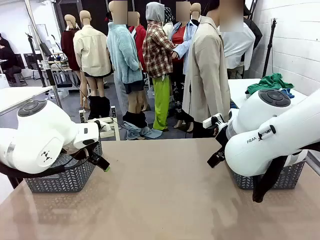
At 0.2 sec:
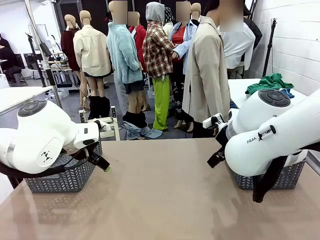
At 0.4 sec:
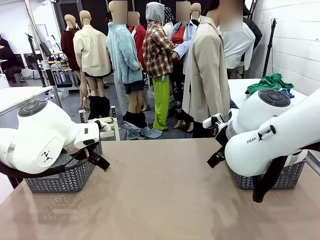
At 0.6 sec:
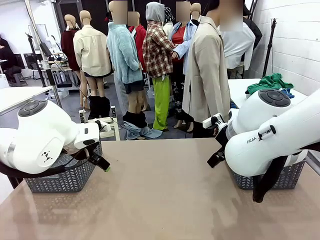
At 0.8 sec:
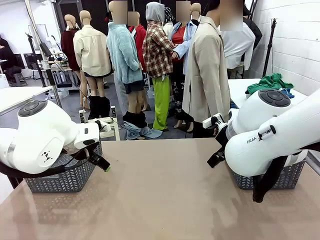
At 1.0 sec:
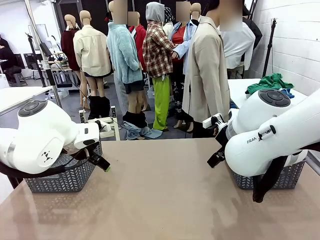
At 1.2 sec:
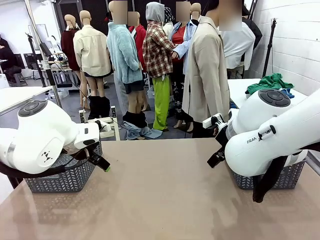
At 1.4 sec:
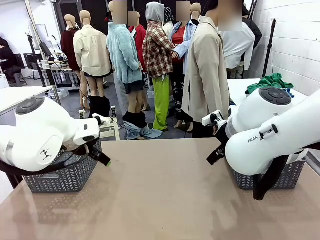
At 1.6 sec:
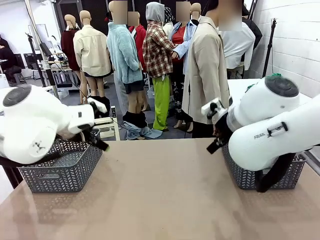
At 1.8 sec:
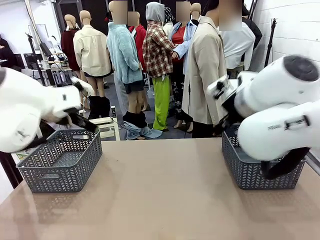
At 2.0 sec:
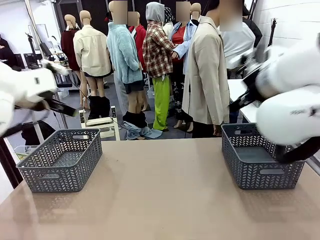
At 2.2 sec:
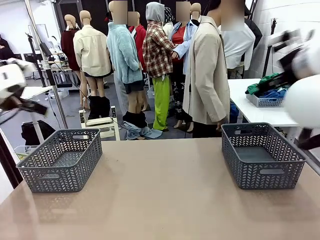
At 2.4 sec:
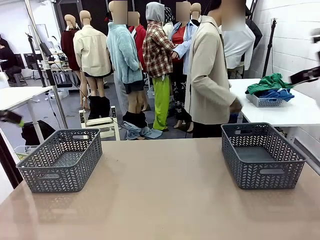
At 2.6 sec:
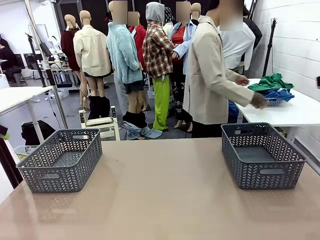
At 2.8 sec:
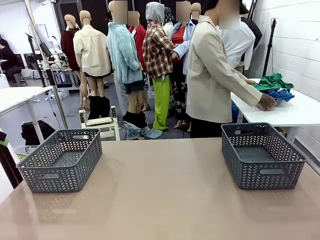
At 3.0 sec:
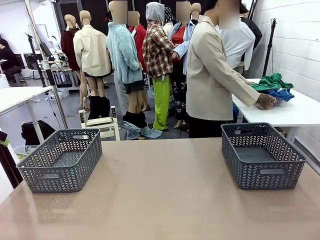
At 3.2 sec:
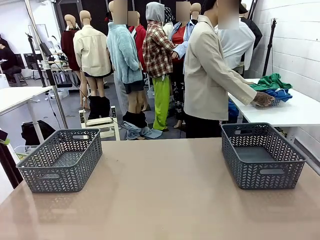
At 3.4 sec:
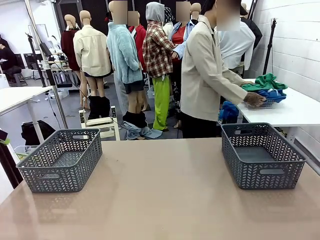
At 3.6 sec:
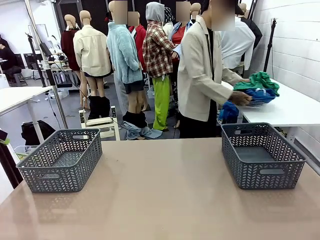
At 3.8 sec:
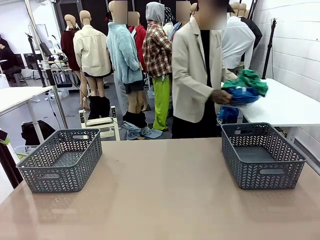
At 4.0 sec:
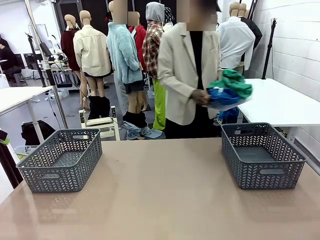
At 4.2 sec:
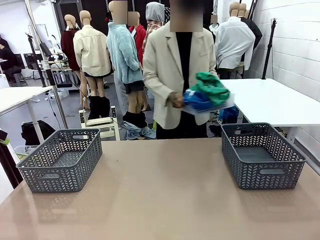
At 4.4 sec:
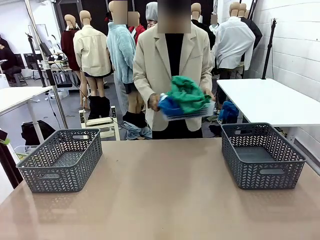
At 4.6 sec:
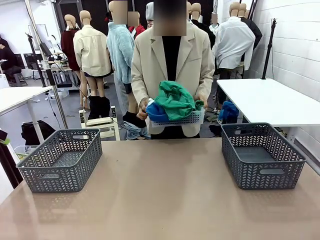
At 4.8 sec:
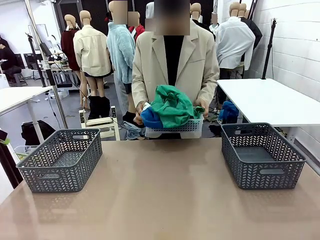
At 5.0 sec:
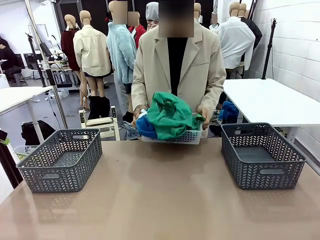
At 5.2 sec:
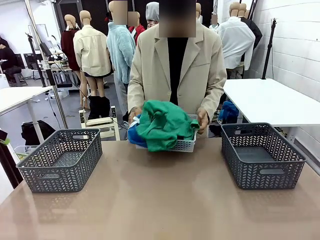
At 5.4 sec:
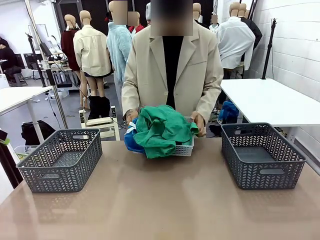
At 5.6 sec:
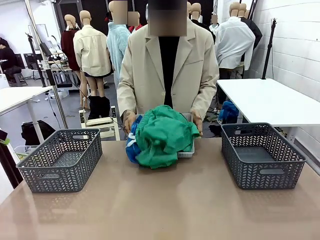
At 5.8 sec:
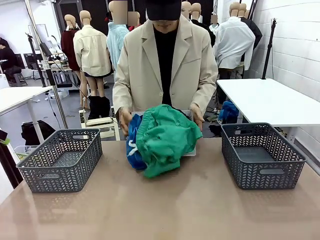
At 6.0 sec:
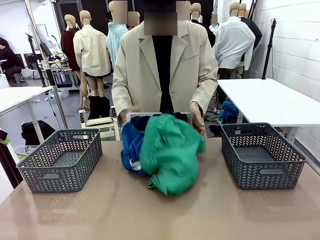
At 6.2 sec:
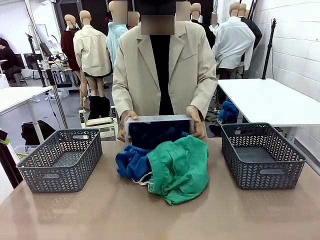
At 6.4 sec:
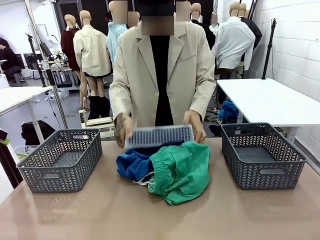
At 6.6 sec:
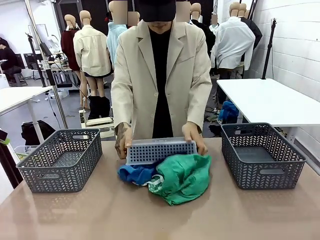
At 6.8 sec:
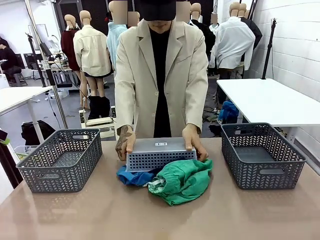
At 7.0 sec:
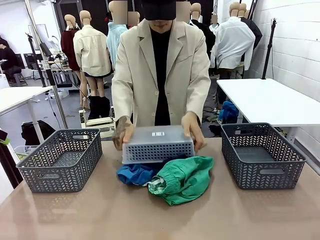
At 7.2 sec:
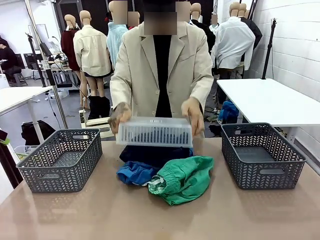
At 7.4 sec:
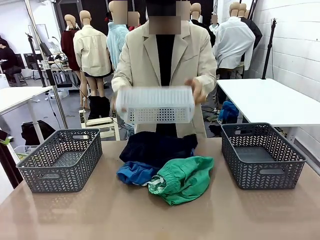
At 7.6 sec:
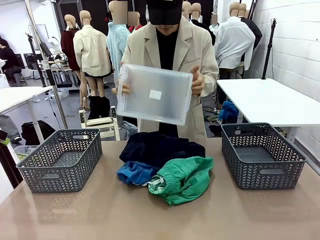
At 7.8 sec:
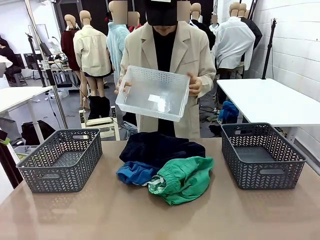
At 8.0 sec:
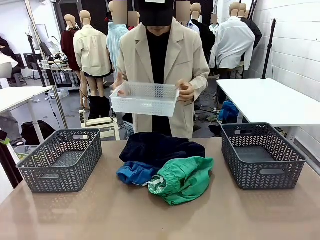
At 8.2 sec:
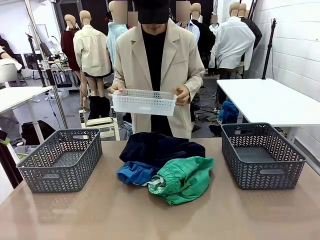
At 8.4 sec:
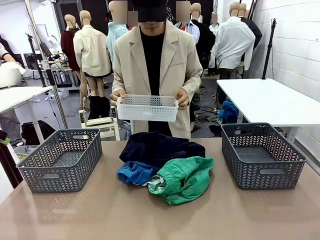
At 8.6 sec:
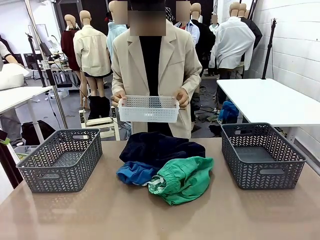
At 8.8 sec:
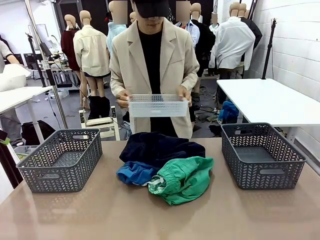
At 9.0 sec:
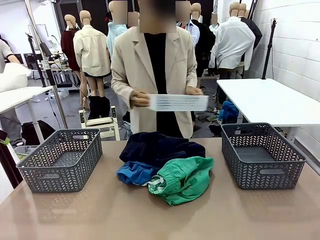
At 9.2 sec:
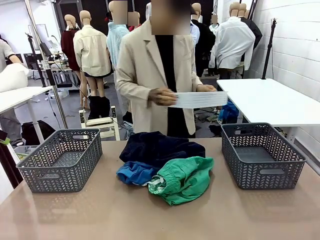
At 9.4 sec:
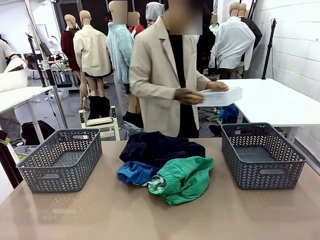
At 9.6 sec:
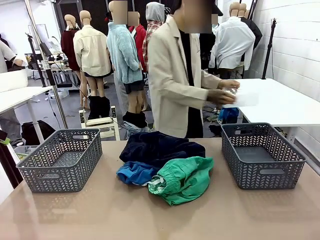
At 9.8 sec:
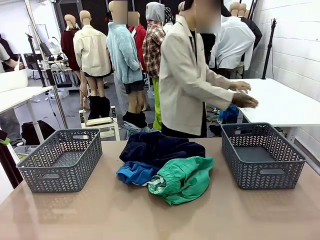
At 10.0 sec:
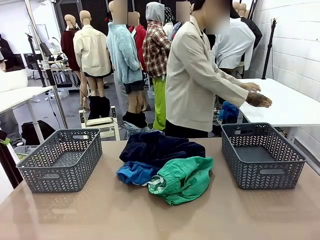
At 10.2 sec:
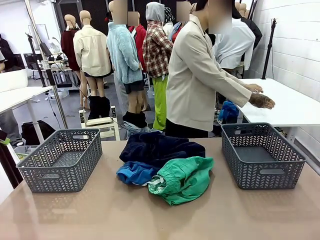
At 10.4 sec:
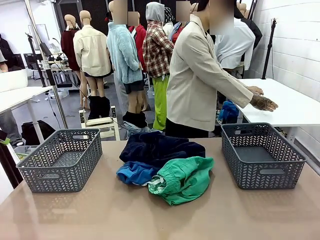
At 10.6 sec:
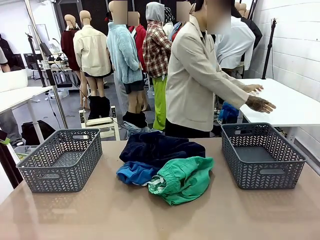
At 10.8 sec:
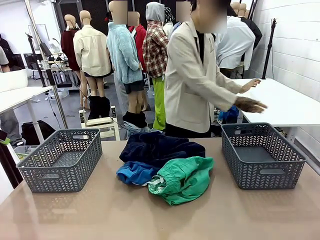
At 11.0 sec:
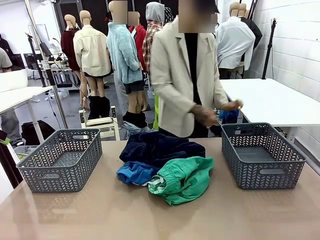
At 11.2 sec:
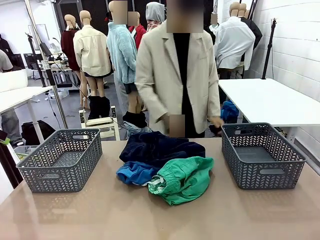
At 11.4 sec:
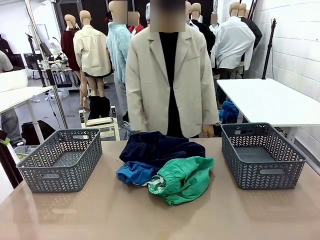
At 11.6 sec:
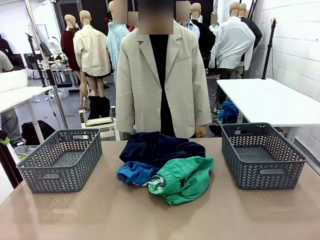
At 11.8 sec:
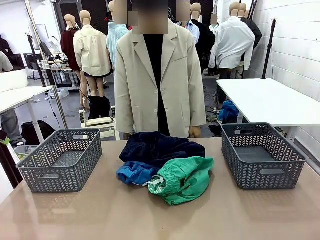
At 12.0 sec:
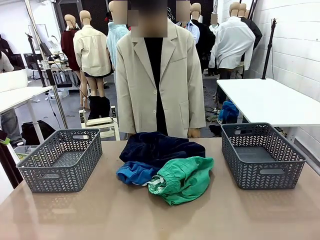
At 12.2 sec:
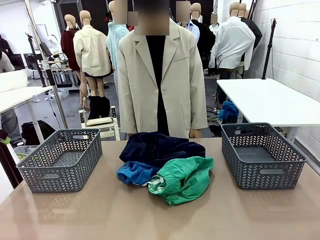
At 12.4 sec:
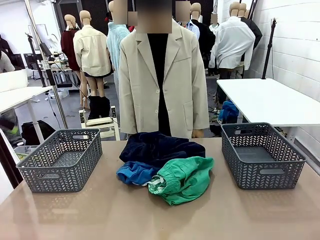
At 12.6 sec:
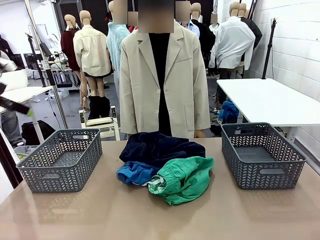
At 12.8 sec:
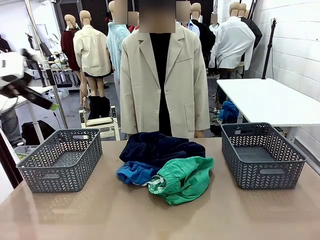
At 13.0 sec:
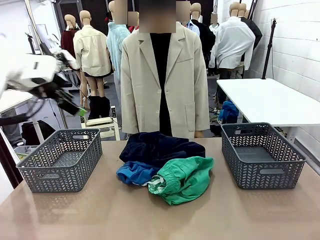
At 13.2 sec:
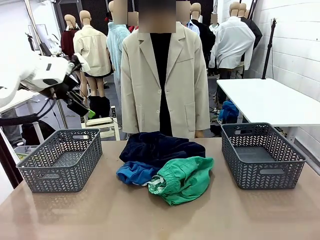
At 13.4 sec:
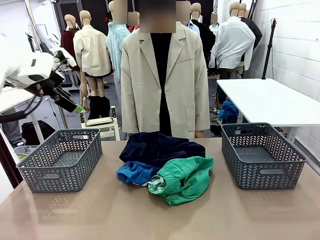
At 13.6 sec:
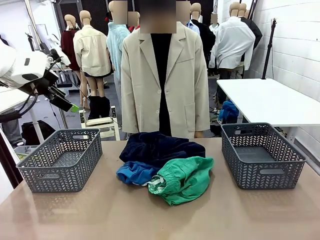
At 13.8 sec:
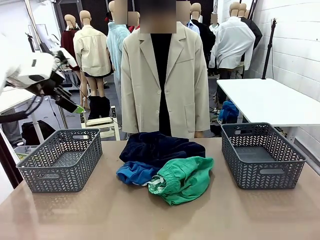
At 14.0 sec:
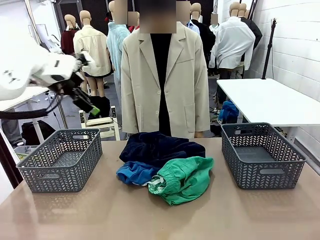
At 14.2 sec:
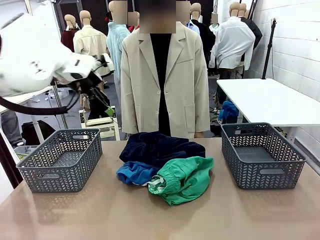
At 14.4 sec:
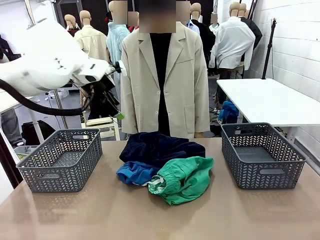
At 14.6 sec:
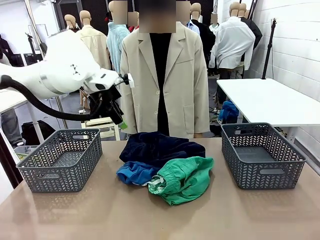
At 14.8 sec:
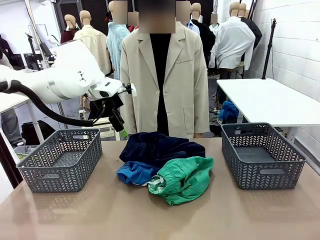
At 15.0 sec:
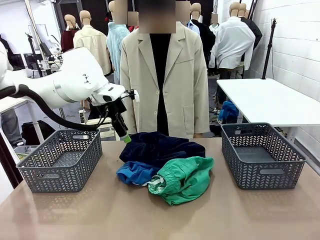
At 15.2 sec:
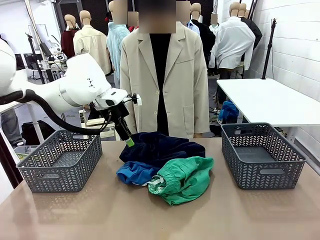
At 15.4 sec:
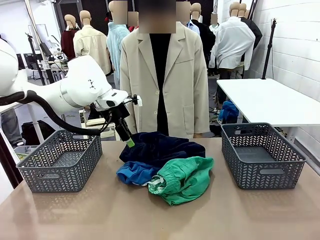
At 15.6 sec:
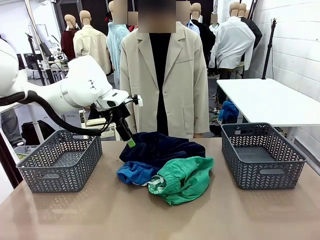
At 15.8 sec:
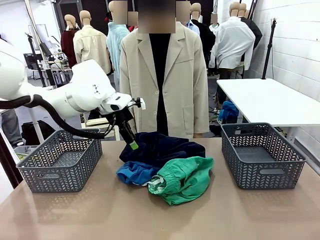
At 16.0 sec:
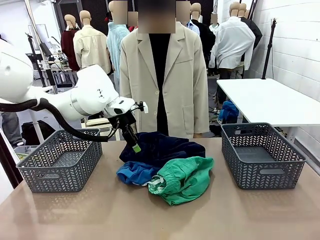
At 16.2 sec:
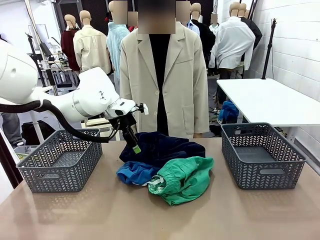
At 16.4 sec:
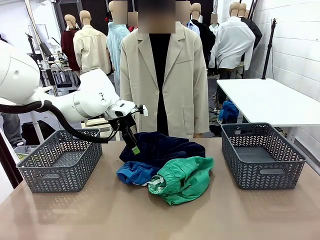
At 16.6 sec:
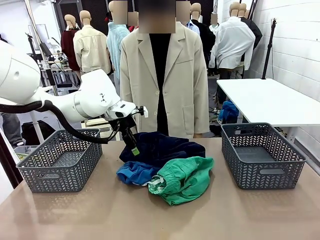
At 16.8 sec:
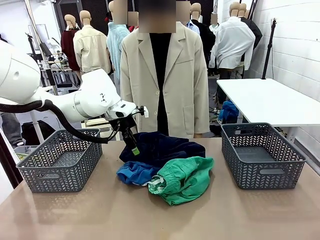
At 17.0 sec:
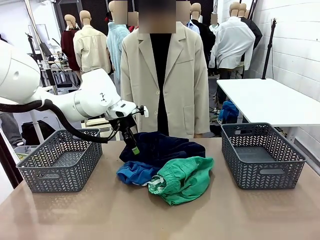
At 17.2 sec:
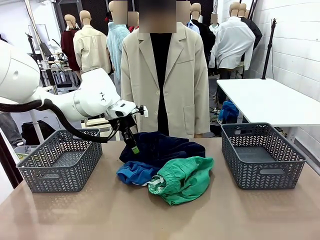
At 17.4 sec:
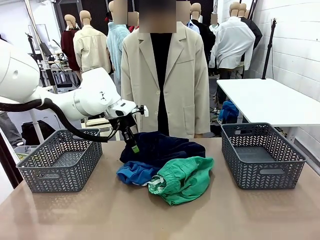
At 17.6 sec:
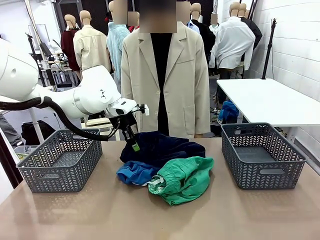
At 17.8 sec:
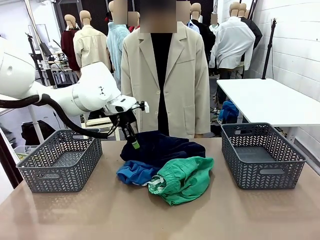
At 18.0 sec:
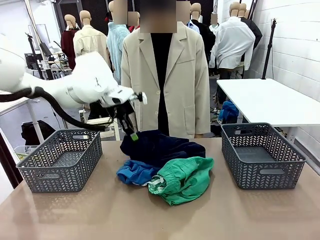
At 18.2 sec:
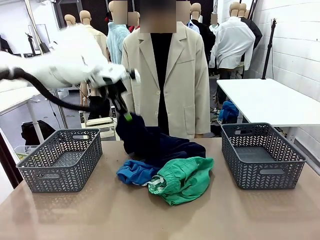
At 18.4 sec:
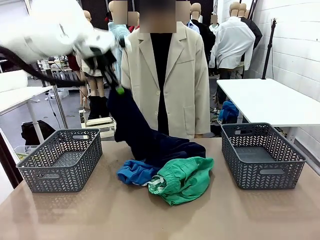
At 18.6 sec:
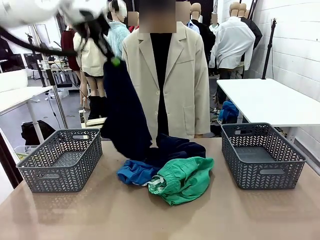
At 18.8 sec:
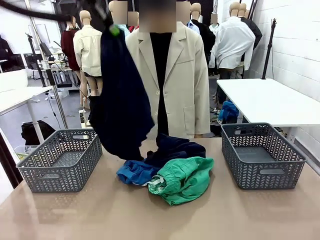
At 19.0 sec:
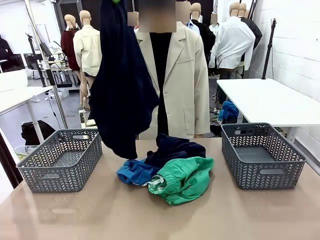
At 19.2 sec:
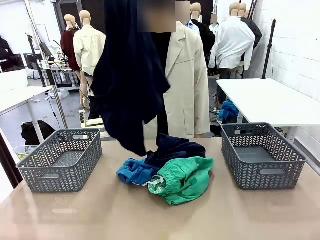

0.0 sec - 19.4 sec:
Task: Sort the tops and bottoms.
Robot: Lift clothes from the center of the table with your left hand.
Person: Pour the clothes from the basket onto the center of the robot table.
